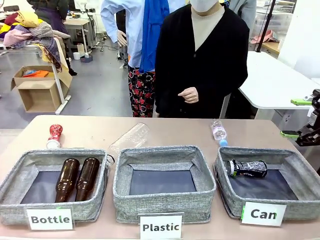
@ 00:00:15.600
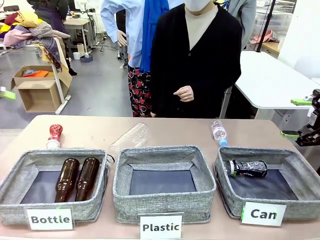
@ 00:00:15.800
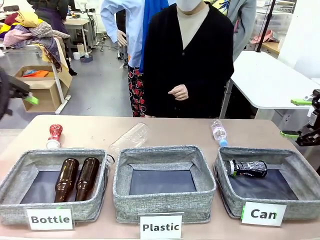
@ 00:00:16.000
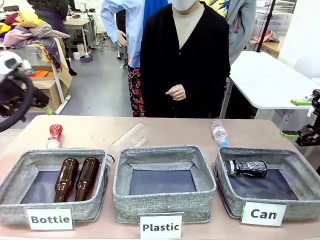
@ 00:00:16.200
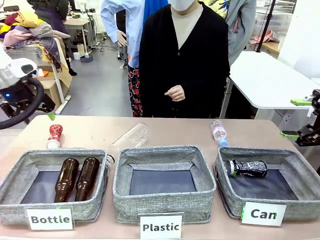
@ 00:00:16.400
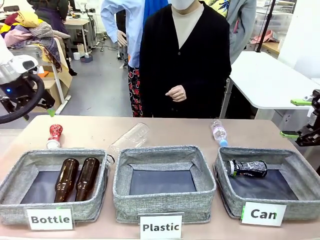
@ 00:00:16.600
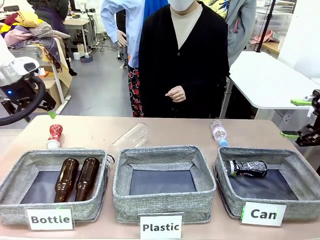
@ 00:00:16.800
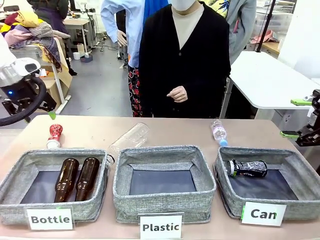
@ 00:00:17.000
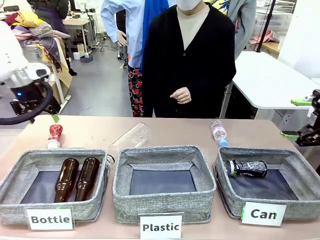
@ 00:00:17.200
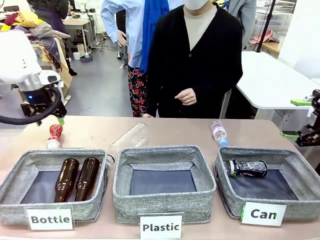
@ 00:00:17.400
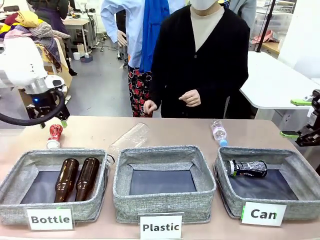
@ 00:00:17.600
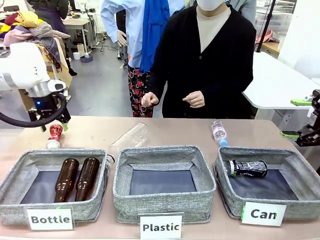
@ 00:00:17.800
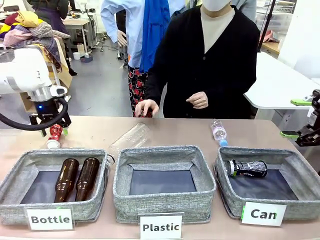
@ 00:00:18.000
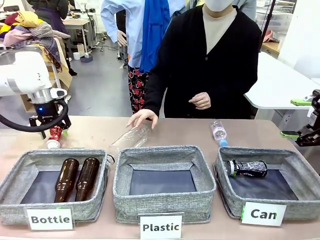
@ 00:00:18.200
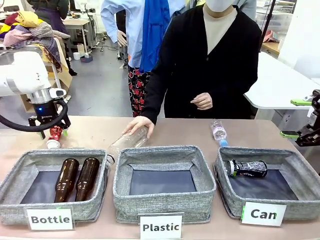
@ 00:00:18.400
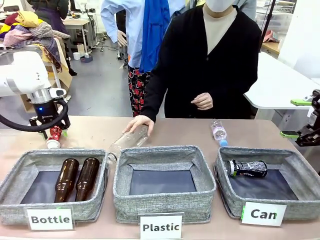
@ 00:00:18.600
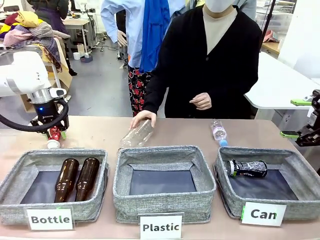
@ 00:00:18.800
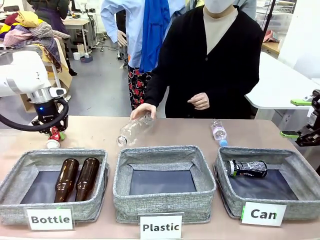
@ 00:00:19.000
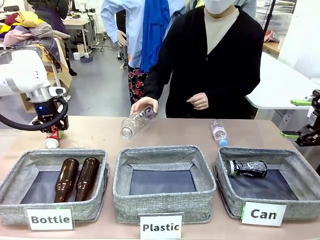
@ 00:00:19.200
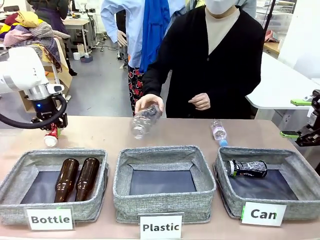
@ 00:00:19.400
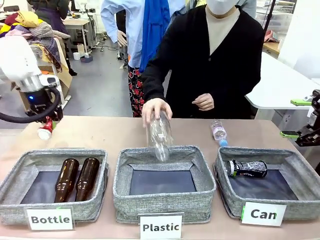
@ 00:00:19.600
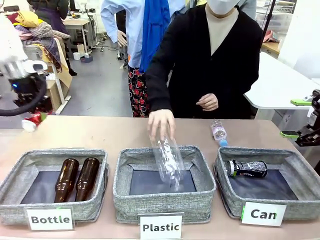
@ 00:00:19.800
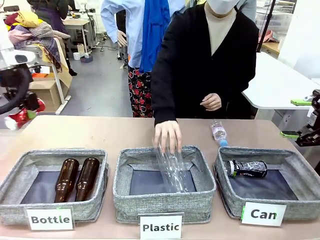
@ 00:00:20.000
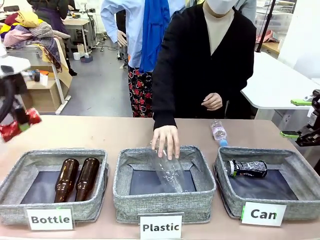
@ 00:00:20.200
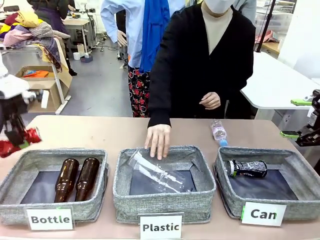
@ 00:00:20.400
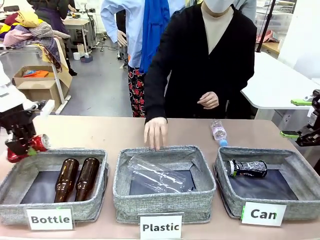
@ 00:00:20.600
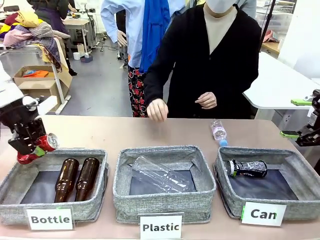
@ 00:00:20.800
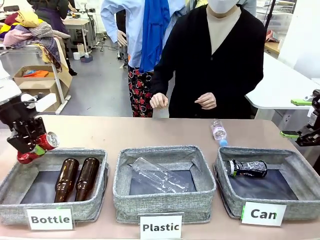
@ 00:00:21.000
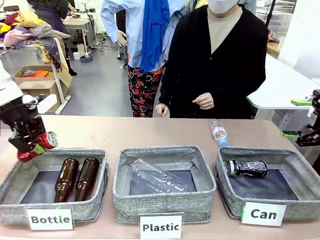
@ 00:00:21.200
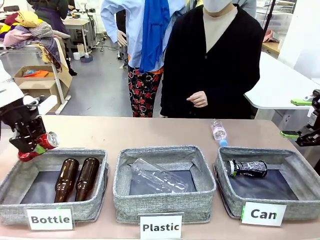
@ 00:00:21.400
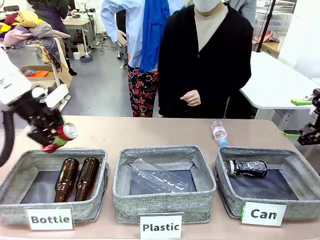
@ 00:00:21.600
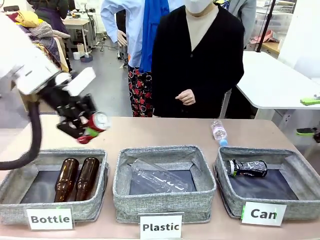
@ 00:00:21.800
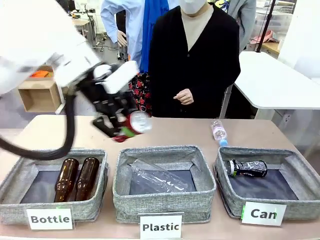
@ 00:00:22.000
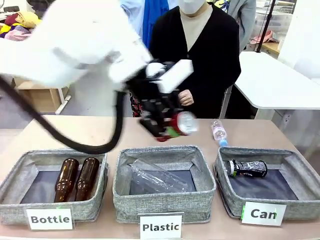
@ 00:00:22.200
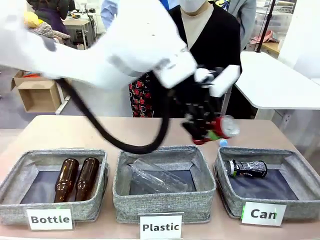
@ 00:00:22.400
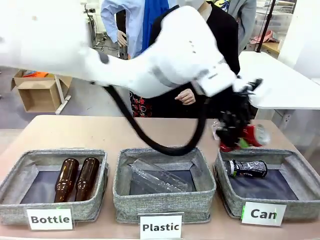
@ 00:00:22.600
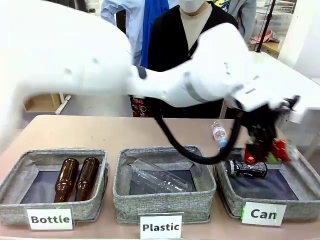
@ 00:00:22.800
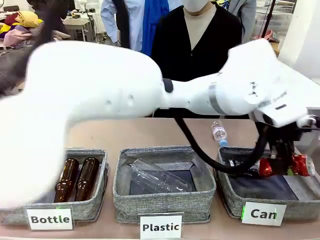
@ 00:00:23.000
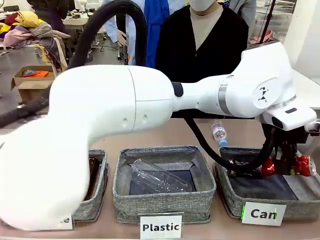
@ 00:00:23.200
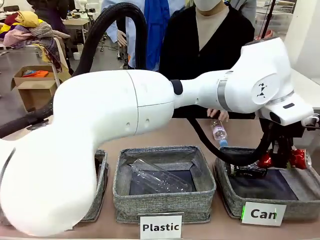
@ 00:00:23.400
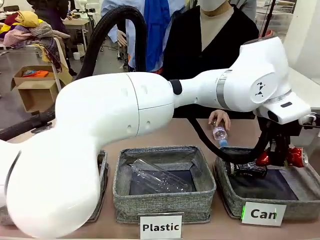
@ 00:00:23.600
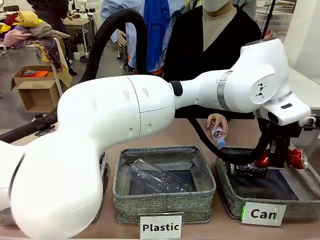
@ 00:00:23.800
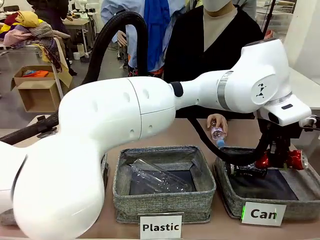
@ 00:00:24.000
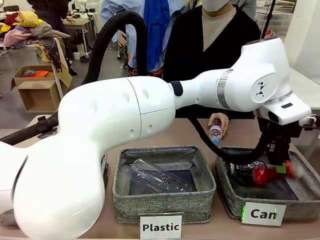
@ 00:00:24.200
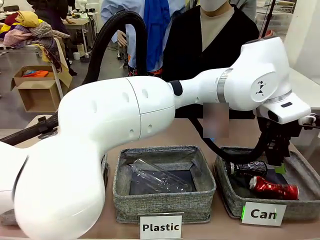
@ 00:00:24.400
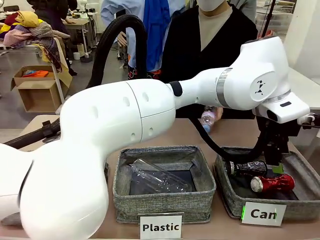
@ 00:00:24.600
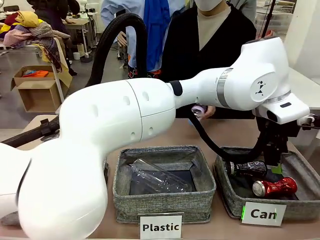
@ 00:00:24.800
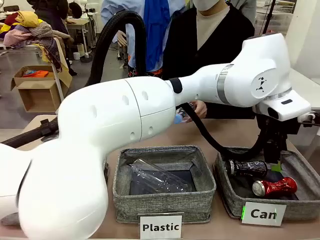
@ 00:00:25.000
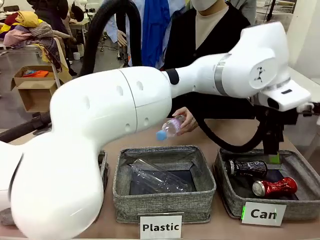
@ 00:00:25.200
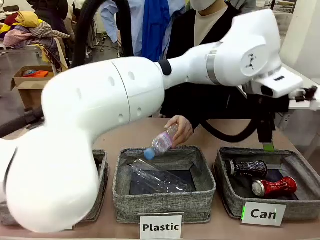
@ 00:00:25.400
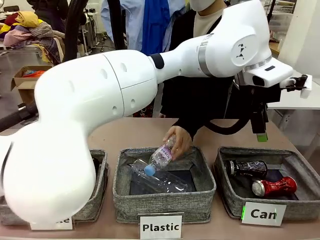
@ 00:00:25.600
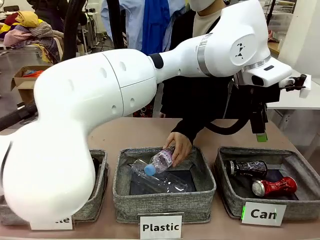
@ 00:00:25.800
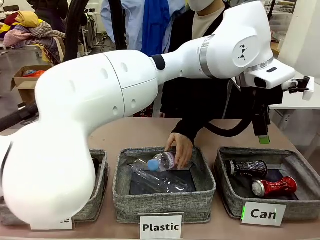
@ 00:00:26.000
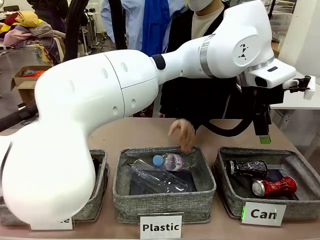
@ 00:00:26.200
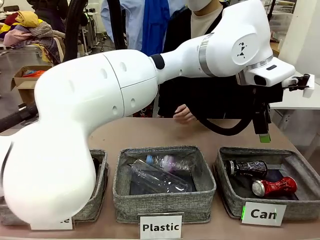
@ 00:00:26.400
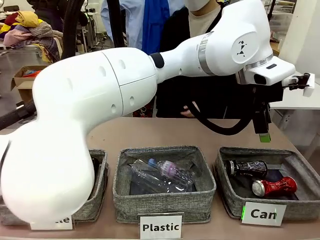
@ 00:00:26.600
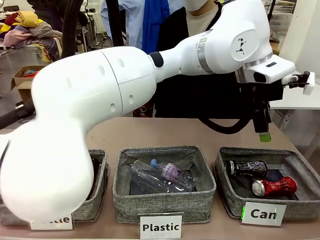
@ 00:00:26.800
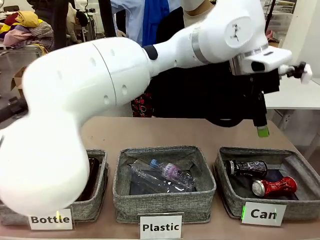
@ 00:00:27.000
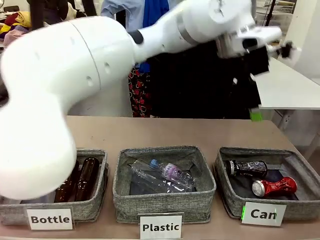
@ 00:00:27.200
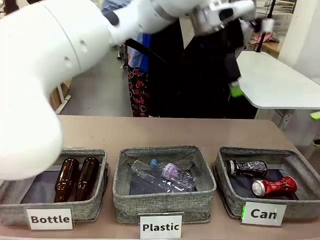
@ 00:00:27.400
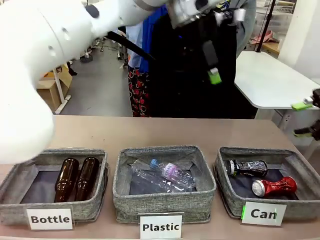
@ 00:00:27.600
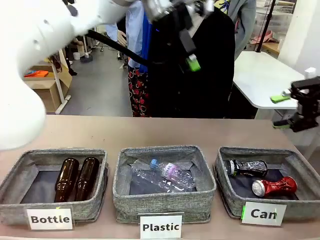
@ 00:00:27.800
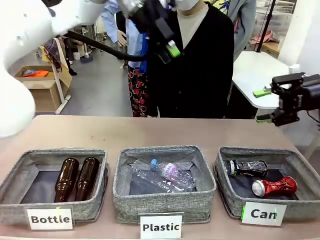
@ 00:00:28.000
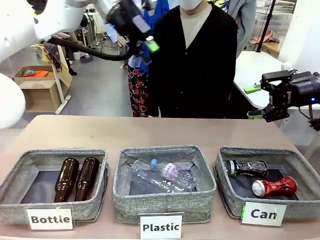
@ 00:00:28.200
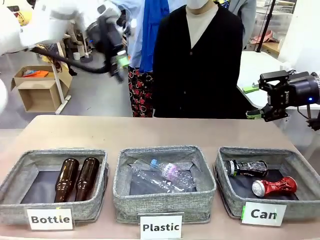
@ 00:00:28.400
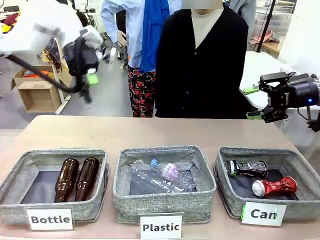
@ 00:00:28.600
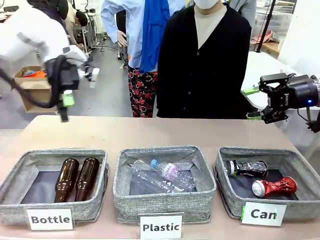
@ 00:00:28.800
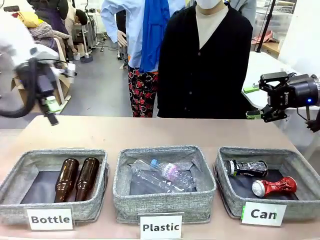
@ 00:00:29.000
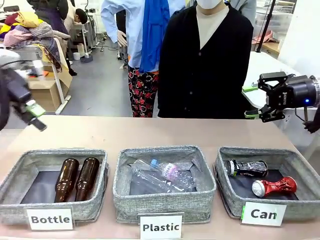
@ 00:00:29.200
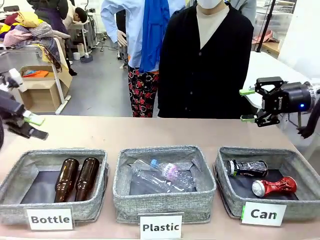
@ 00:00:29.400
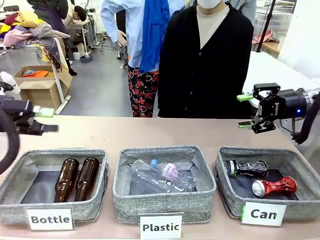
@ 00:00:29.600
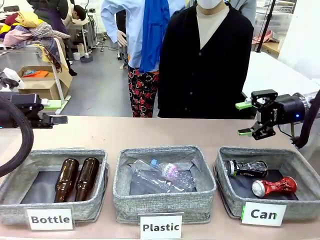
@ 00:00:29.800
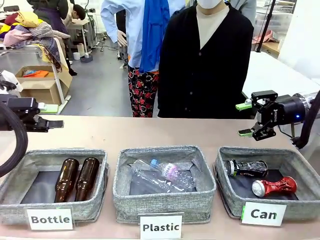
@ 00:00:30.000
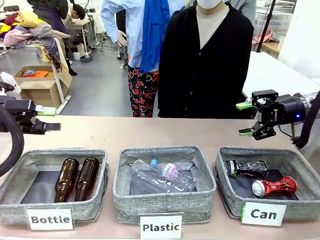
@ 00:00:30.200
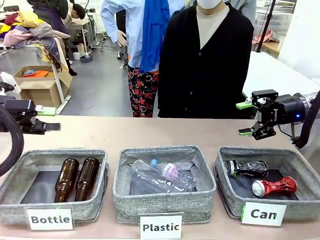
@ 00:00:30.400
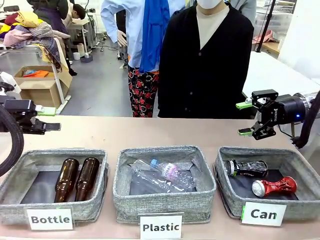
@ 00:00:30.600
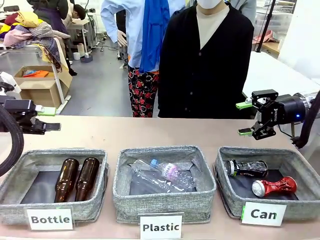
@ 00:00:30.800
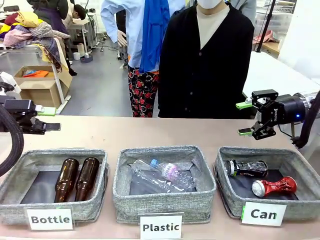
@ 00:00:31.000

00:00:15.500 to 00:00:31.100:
Task: Sort the can waste into the basket.
Robot: Pick up the can waste from the table and place it in the right Fabric basket.
Person: The human picks up one piece of trash that is not a can and places the trash into the appropriate organizing basket.
